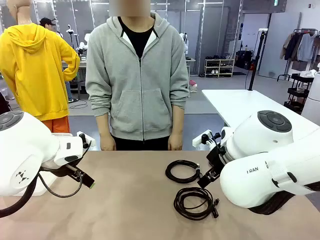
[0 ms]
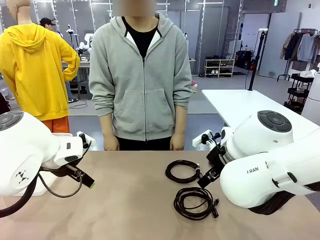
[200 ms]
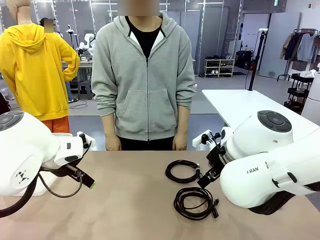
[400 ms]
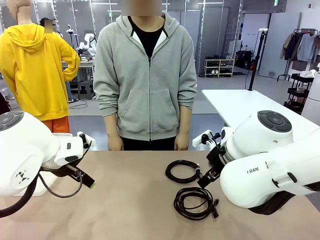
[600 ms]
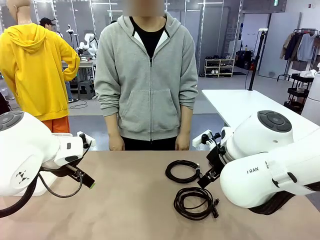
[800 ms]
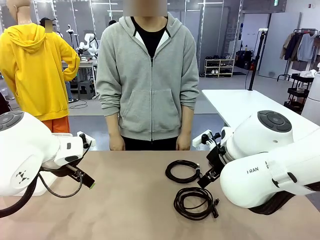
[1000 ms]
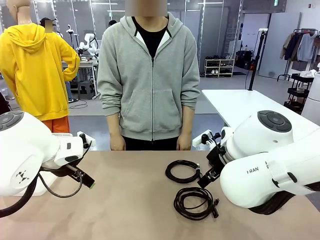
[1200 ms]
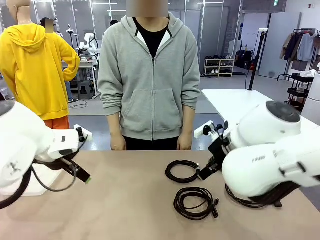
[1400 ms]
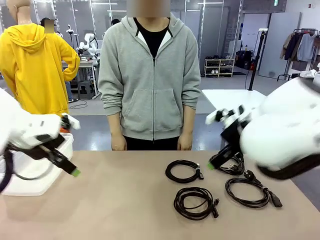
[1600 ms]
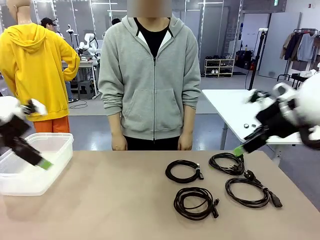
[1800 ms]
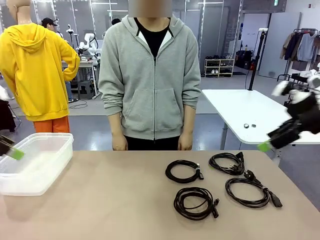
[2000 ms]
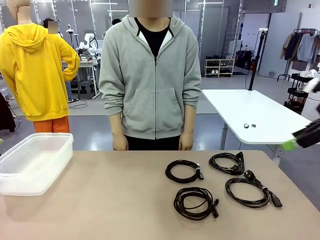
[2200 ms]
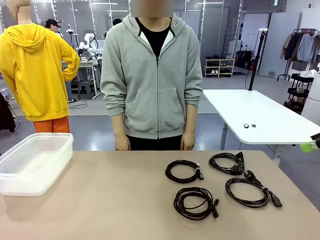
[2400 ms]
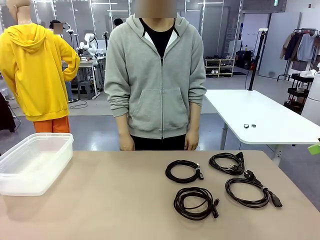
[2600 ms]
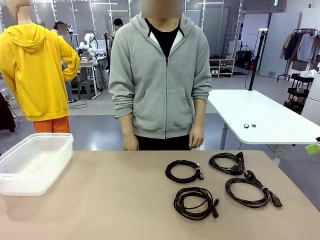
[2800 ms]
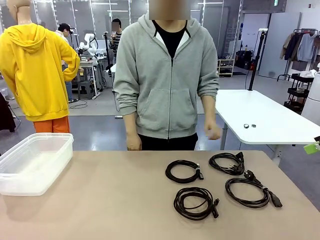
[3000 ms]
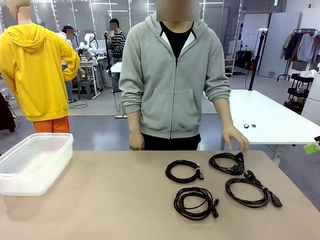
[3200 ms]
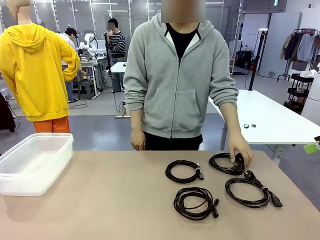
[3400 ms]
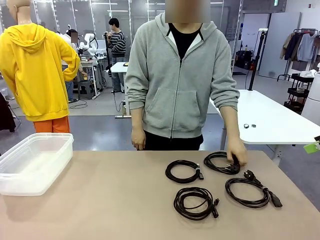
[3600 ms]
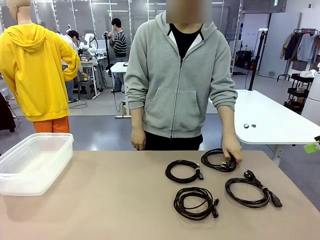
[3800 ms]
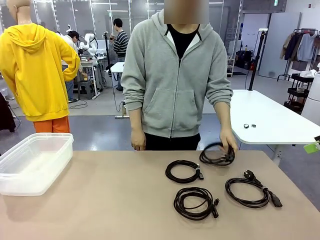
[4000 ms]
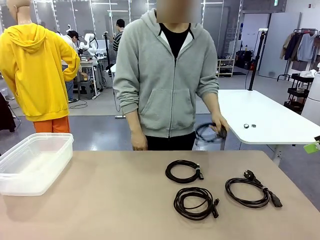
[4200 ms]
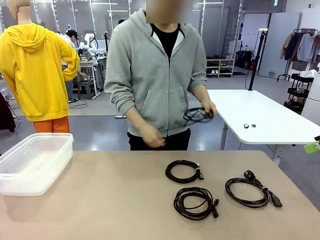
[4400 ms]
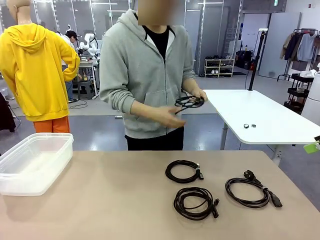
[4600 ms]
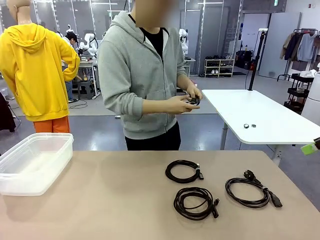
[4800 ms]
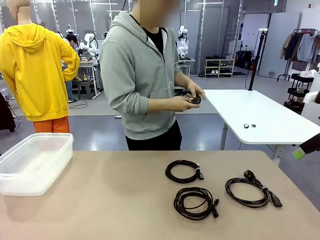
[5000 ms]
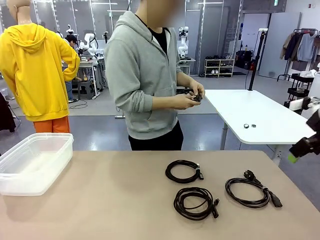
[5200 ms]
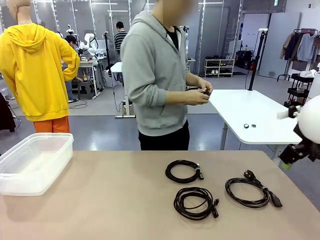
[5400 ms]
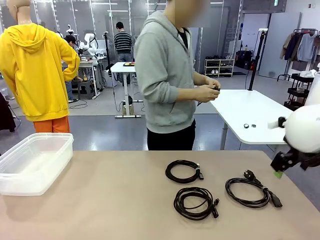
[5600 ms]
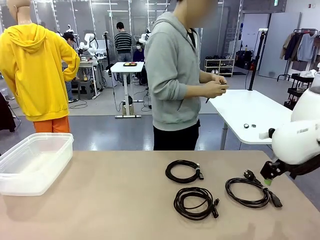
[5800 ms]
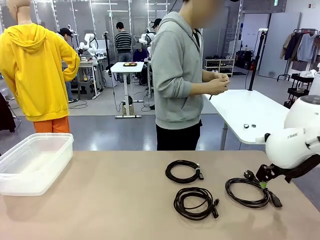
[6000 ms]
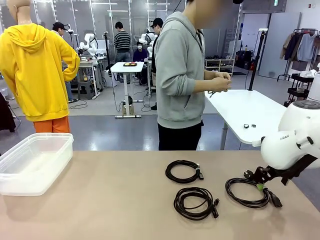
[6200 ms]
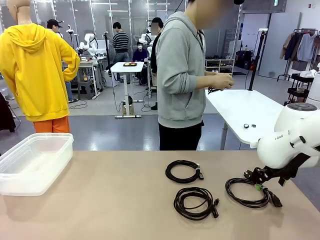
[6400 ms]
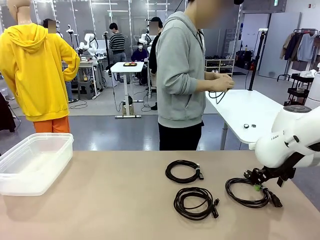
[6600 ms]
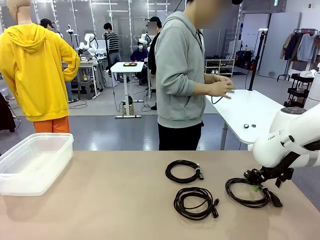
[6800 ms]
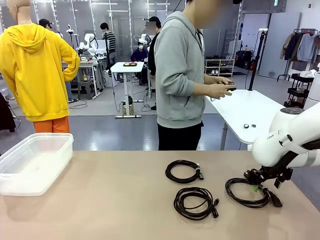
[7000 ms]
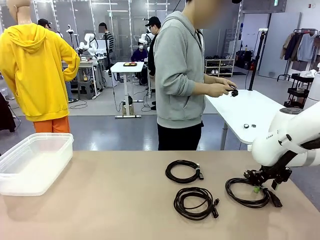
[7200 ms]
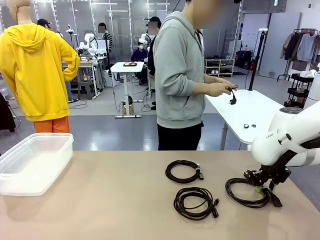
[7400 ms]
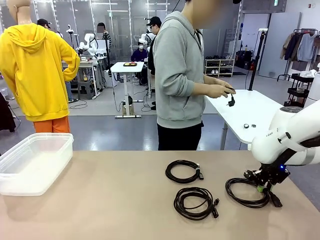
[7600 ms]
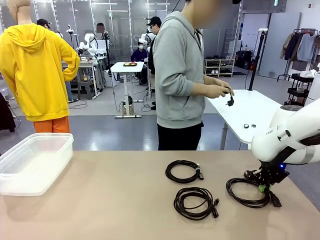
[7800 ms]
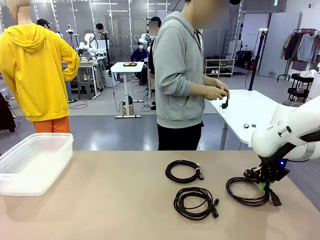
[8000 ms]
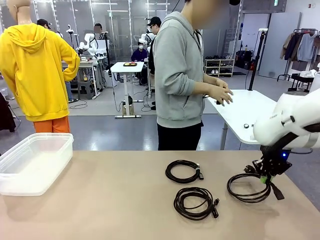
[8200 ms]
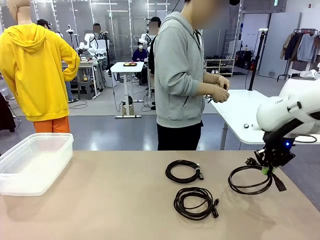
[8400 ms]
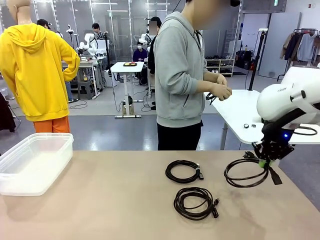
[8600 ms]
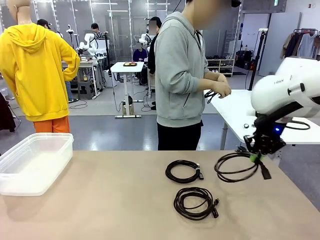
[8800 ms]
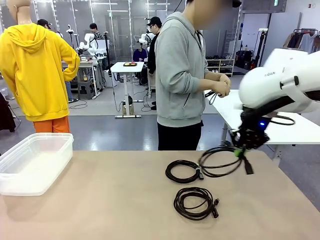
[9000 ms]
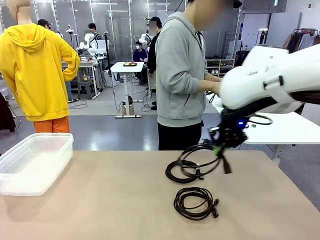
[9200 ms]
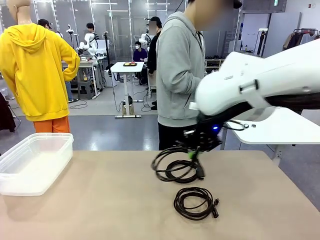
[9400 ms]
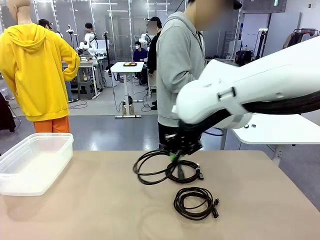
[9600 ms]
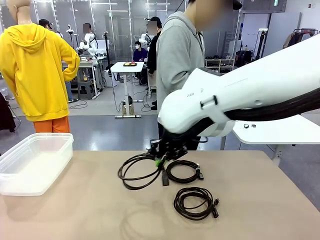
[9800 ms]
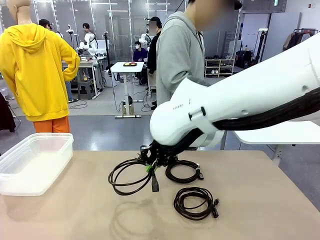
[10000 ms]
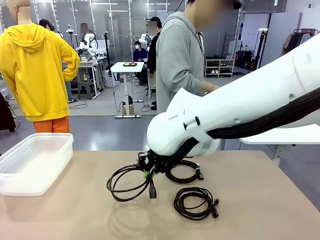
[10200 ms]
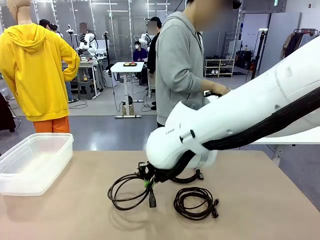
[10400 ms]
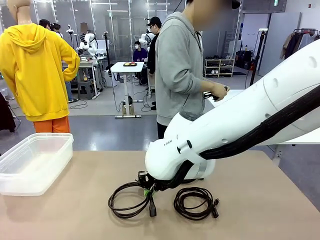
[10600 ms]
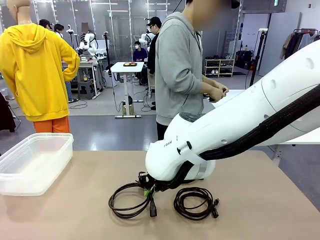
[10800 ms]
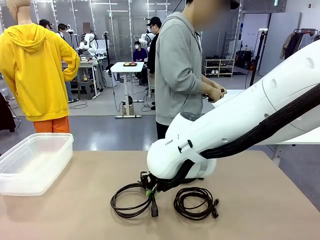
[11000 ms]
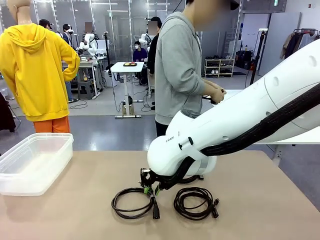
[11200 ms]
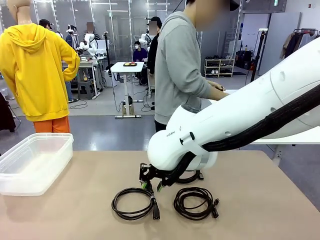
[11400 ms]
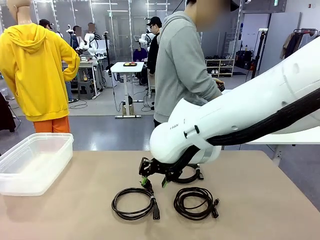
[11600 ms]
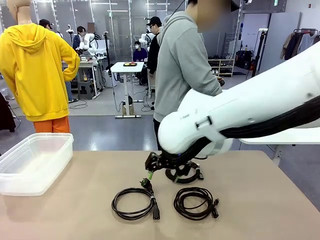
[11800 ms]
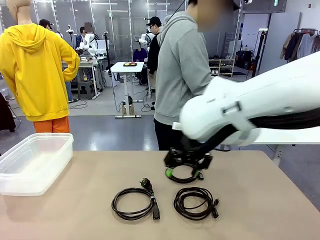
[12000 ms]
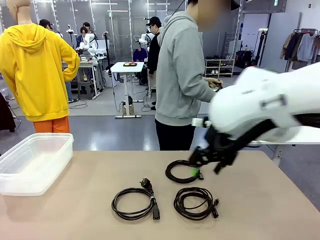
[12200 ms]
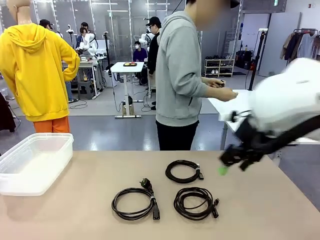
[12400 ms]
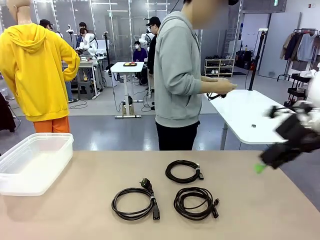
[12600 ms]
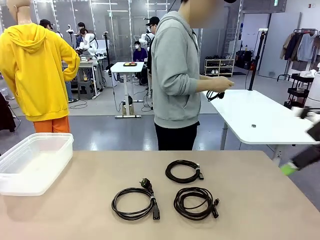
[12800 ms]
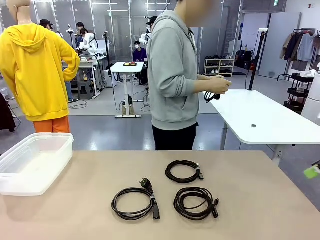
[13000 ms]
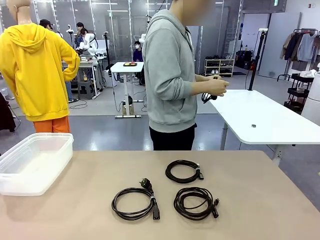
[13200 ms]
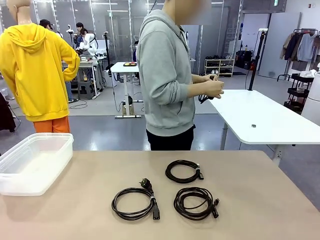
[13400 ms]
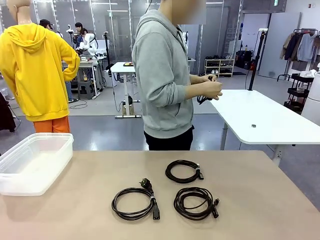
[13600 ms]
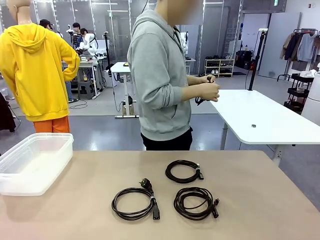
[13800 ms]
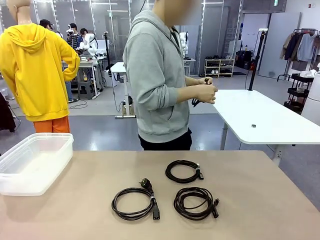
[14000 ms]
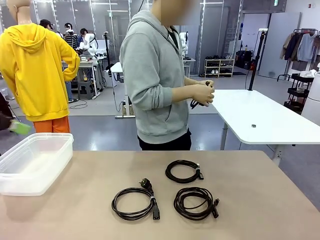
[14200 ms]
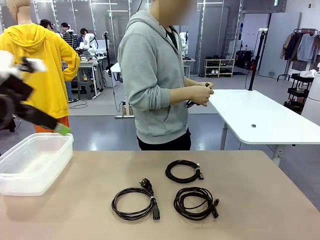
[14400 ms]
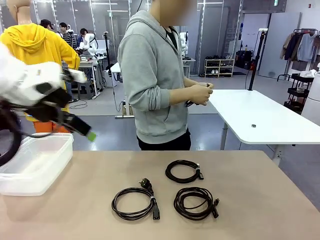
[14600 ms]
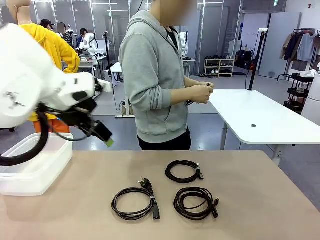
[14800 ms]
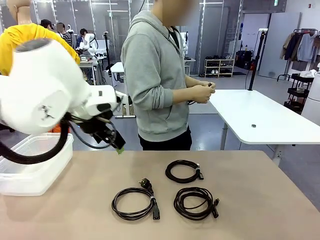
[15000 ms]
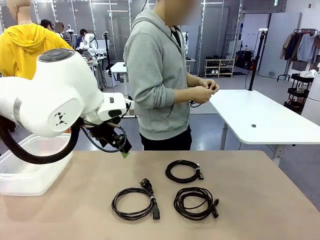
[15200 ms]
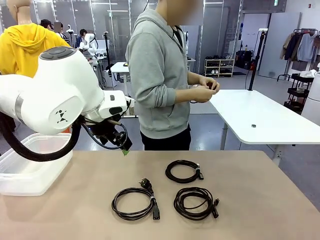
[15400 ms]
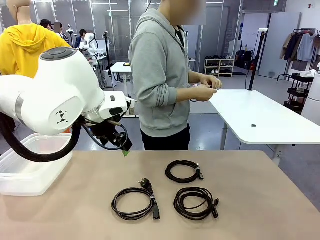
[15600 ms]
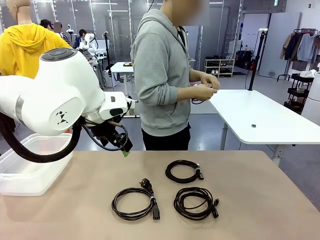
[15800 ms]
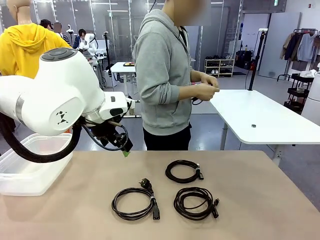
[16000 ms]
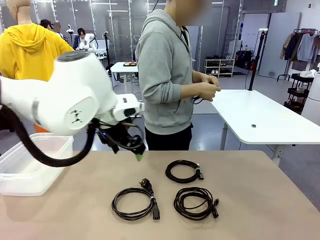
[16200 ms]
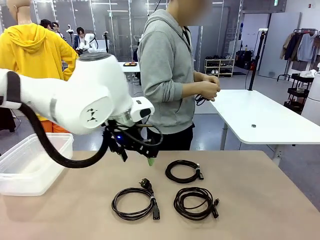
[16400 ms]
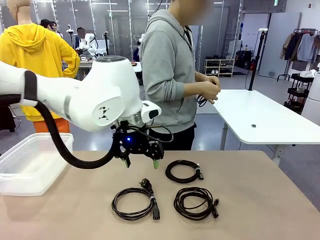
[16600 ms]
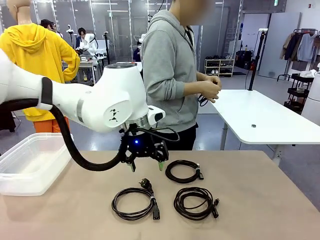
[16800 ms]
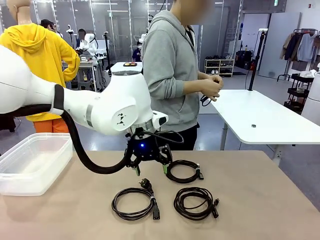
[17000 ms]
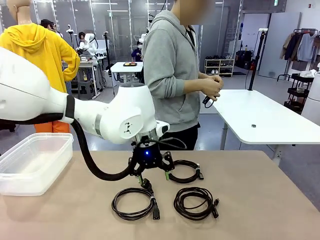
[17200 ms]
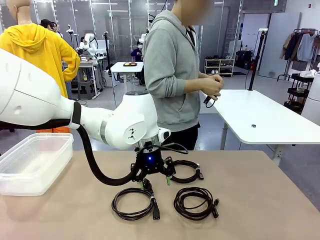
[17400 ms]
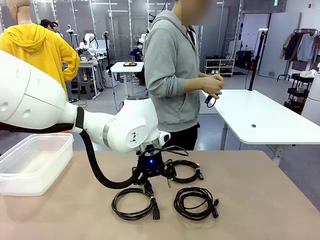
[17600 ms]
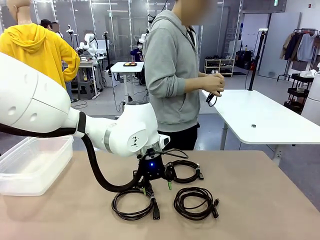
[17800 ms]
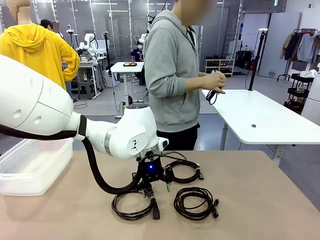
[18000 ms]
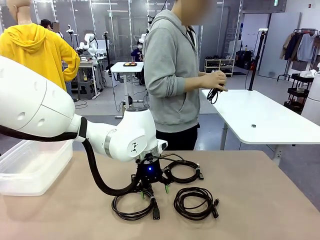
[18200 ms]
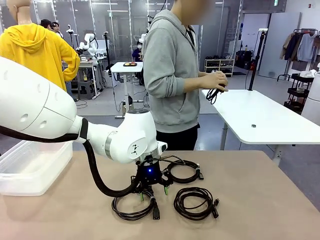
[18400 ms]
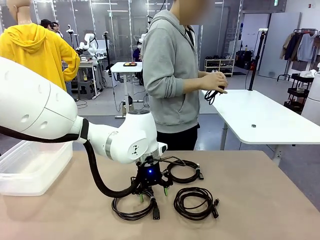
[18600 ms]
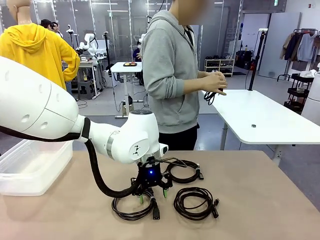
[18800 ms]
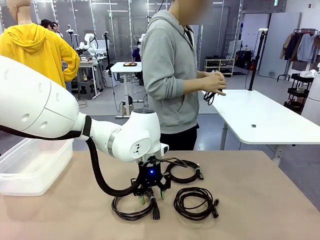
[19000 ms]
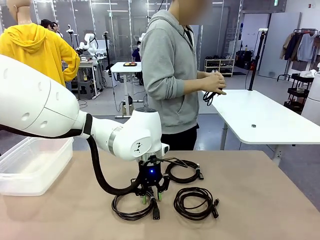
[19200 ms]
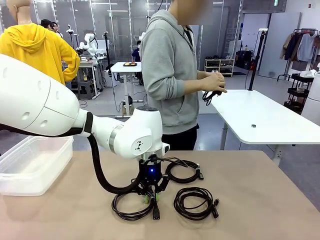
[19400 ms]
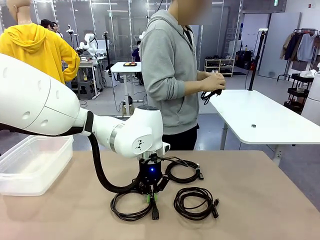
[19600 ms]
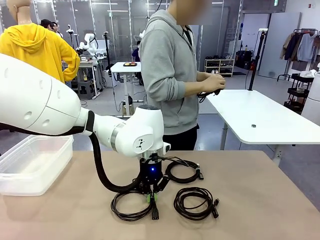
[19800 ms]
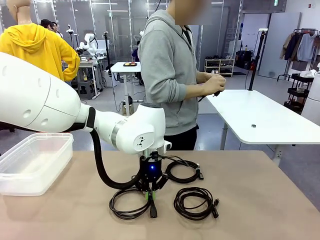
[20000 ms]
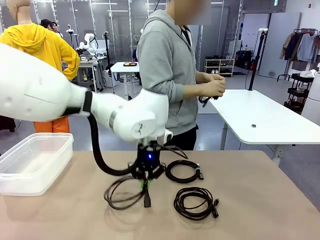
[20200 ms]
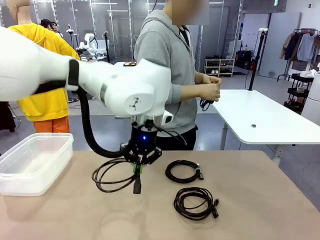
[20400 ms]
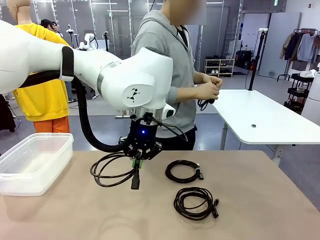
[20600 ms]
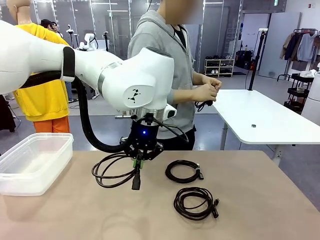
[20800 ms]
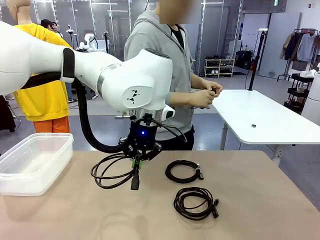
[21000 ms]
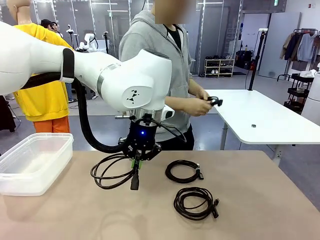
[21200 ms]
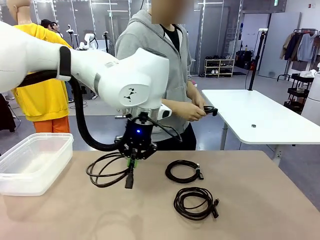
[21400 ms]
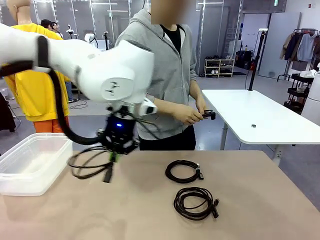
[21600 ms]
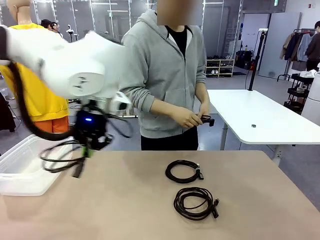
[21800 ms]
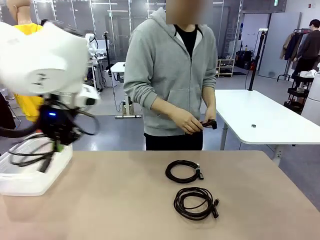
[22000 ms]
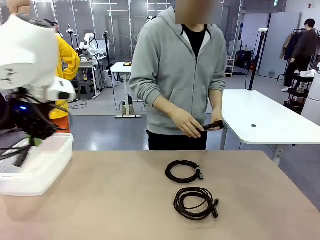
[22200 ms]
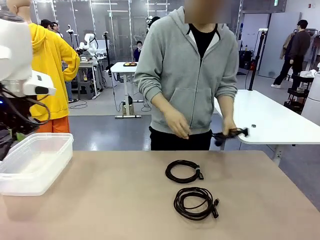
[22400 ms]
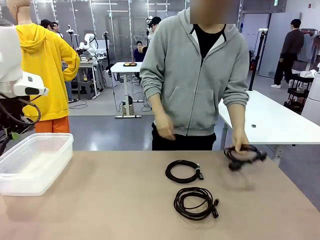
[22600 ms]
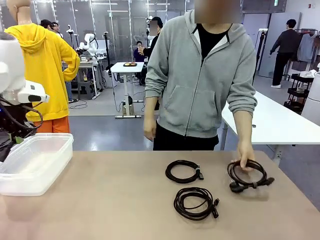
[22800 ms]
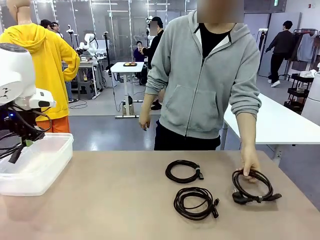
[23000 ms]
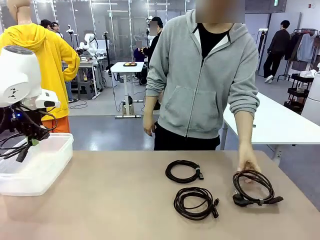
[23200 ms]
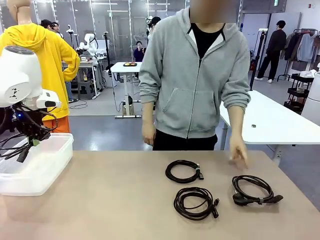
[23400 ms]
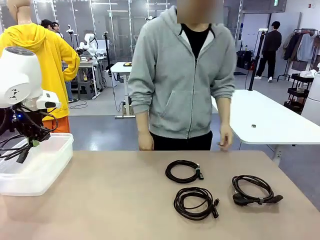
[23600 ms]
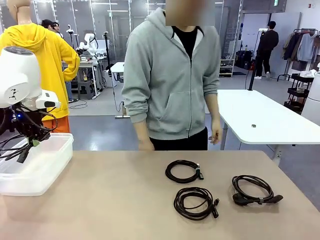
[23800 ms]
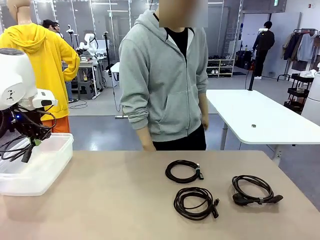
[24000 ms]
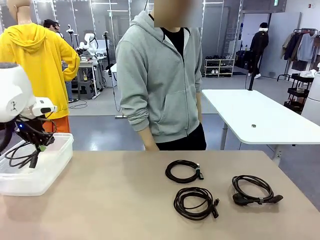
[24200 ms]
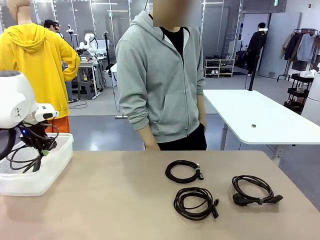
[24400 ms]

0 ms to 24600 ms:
Task: Organize and store the cables.
Robot: Place the Power Cable into the Organizing box.
Person: Tie one Power Cable with a Reusable Cable Tie.
